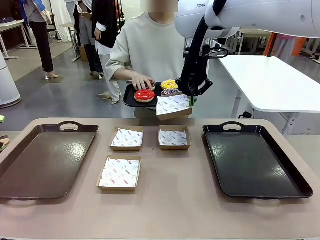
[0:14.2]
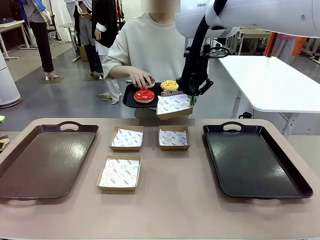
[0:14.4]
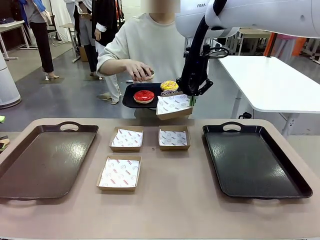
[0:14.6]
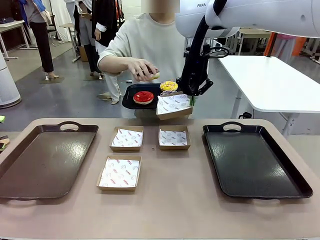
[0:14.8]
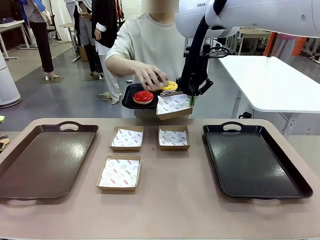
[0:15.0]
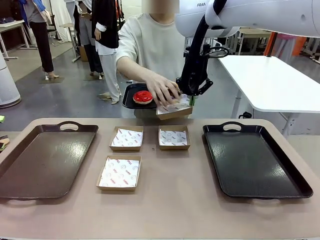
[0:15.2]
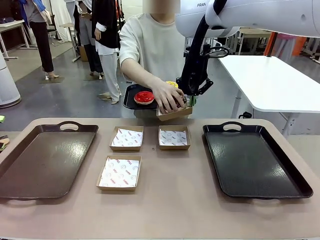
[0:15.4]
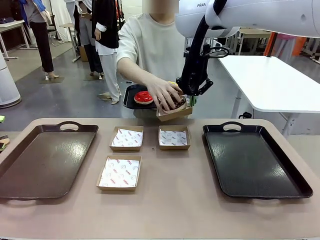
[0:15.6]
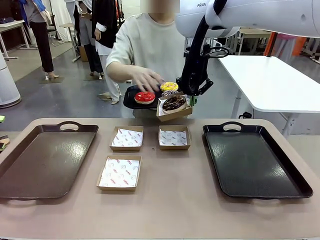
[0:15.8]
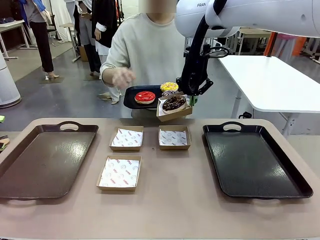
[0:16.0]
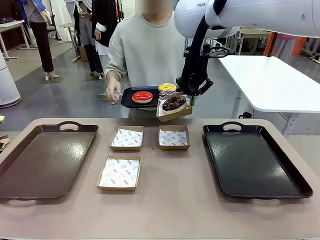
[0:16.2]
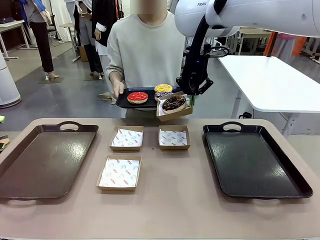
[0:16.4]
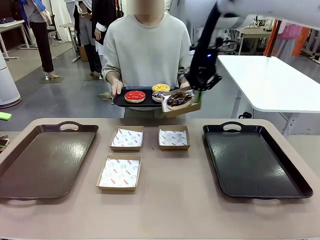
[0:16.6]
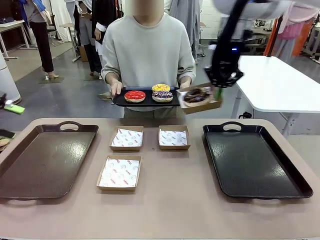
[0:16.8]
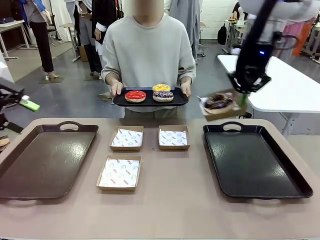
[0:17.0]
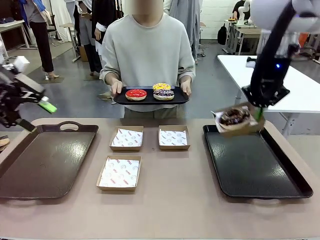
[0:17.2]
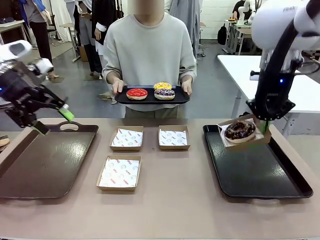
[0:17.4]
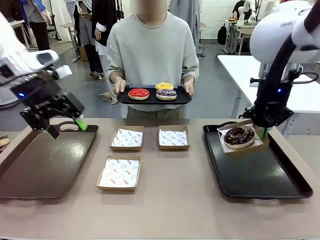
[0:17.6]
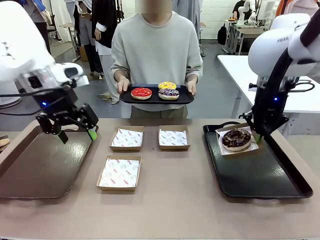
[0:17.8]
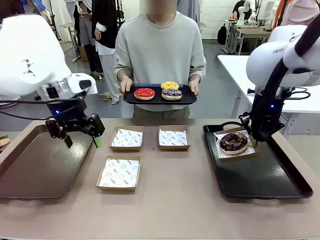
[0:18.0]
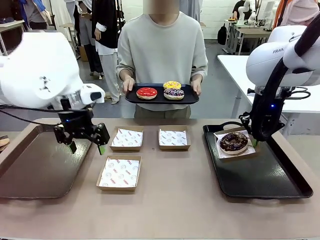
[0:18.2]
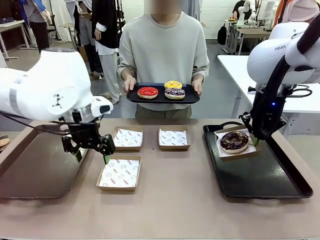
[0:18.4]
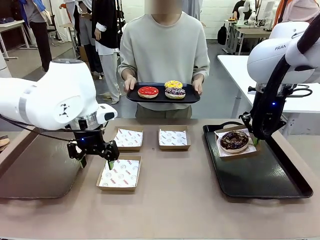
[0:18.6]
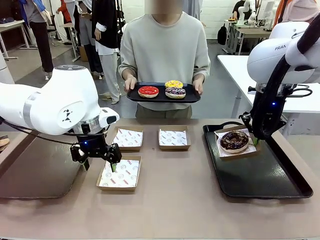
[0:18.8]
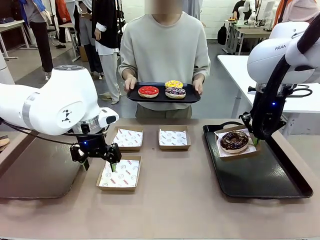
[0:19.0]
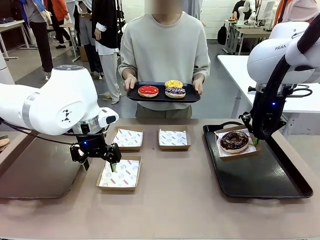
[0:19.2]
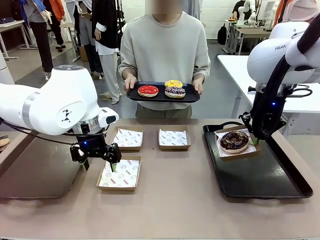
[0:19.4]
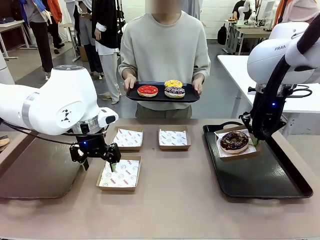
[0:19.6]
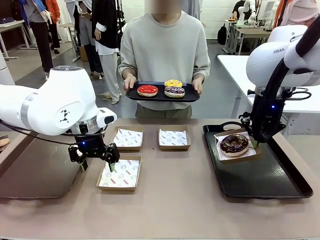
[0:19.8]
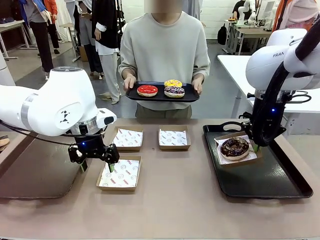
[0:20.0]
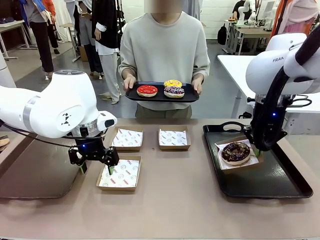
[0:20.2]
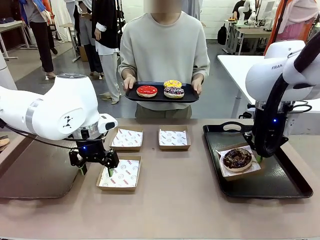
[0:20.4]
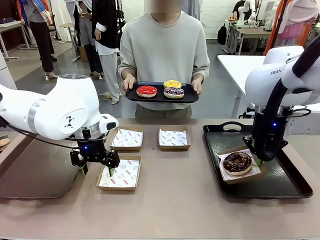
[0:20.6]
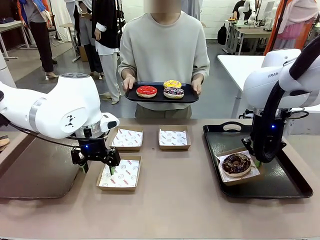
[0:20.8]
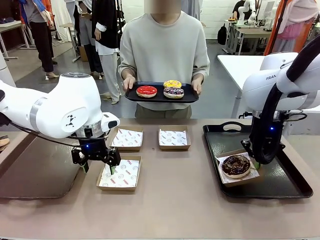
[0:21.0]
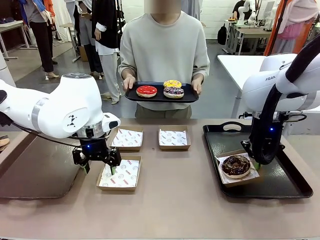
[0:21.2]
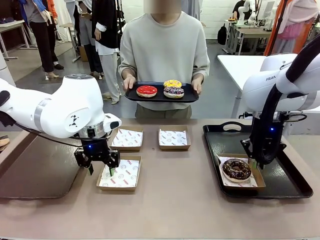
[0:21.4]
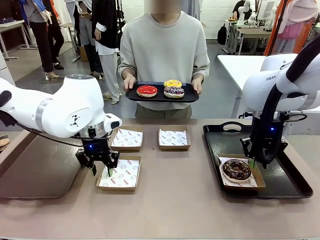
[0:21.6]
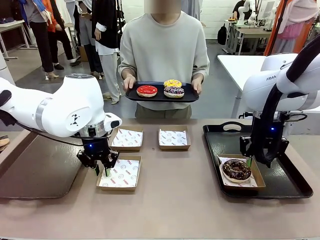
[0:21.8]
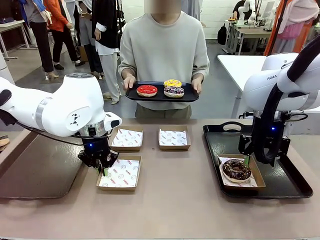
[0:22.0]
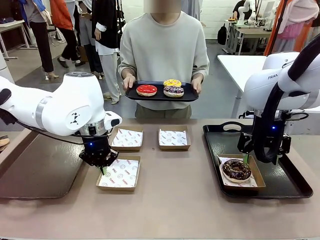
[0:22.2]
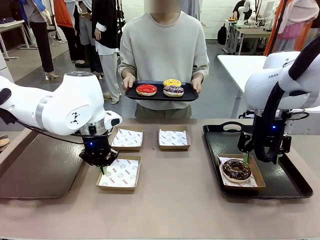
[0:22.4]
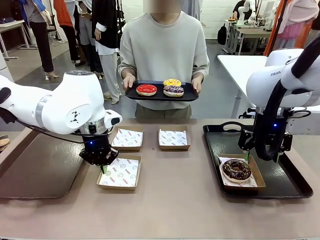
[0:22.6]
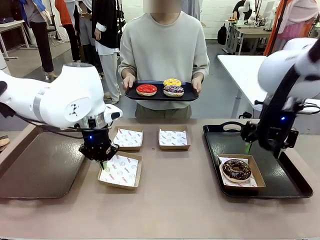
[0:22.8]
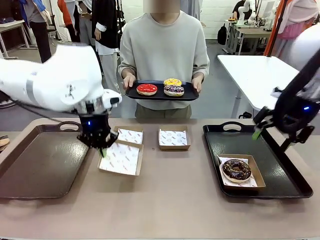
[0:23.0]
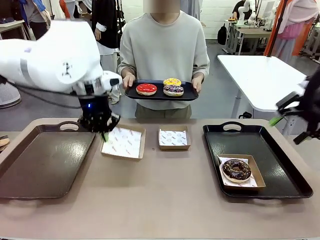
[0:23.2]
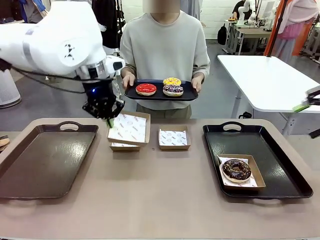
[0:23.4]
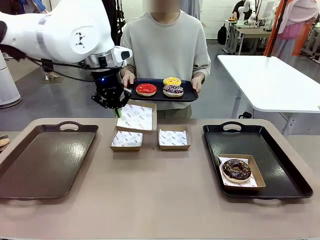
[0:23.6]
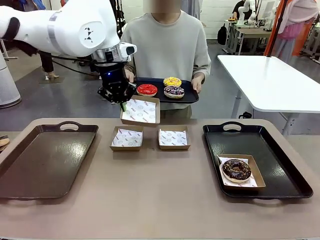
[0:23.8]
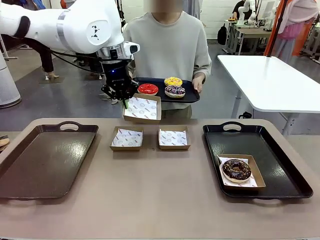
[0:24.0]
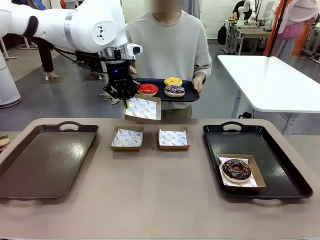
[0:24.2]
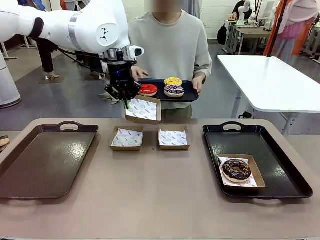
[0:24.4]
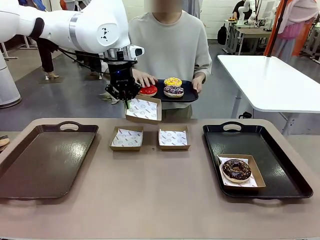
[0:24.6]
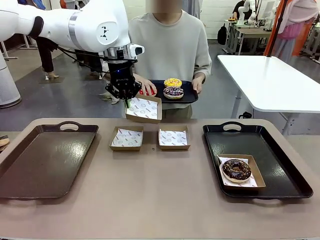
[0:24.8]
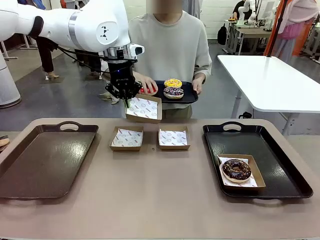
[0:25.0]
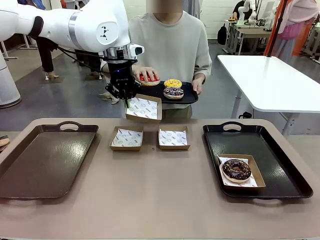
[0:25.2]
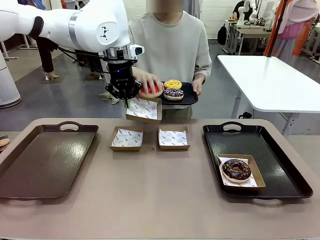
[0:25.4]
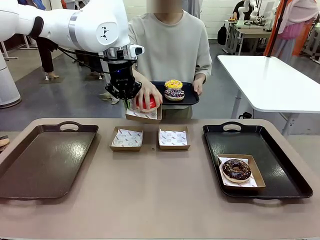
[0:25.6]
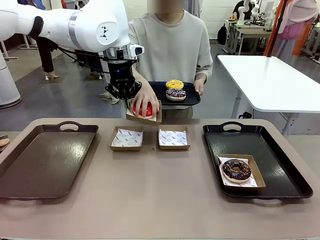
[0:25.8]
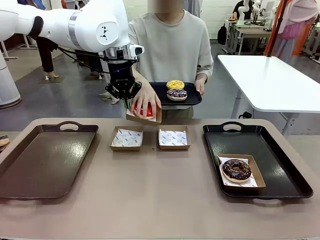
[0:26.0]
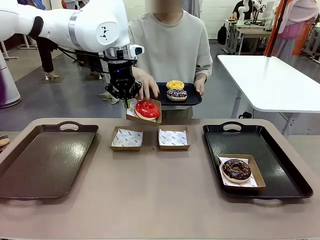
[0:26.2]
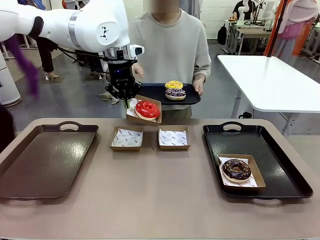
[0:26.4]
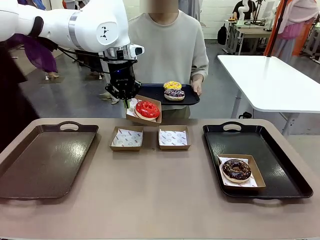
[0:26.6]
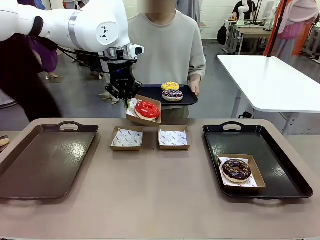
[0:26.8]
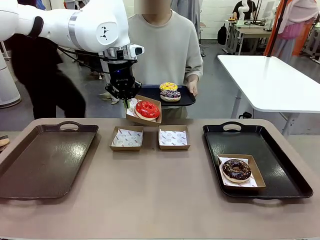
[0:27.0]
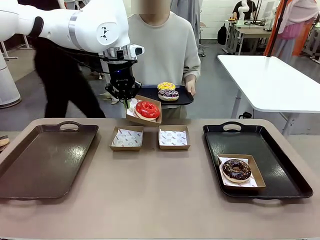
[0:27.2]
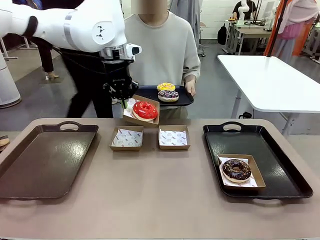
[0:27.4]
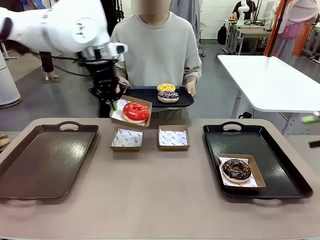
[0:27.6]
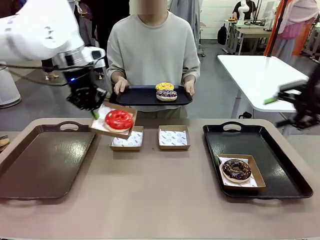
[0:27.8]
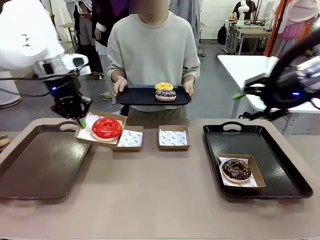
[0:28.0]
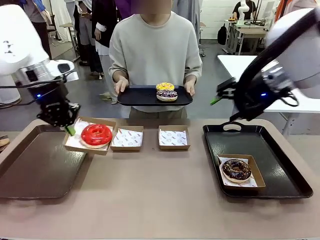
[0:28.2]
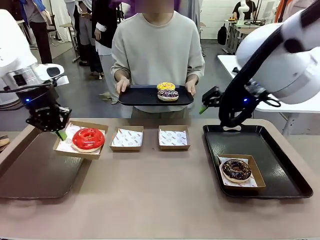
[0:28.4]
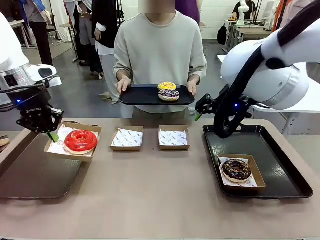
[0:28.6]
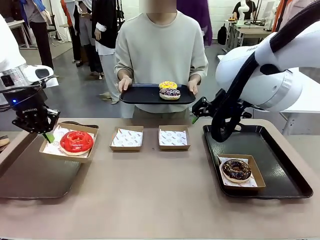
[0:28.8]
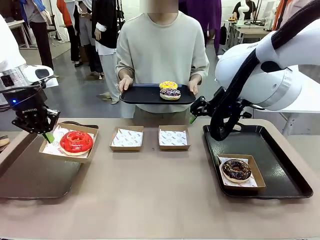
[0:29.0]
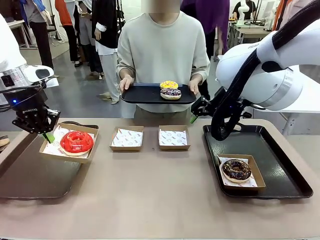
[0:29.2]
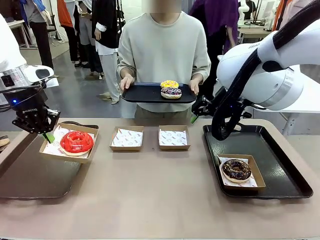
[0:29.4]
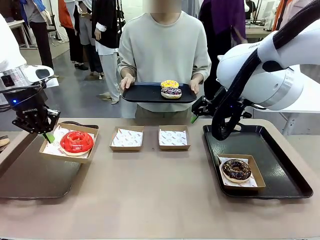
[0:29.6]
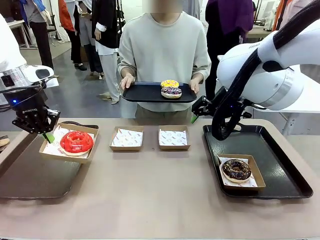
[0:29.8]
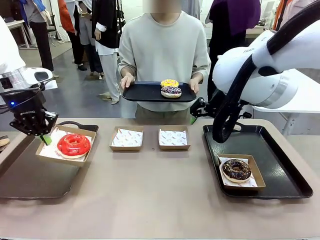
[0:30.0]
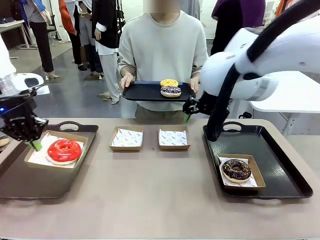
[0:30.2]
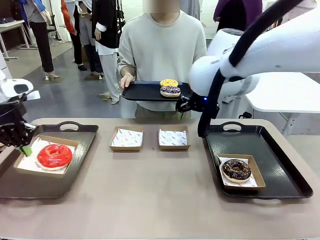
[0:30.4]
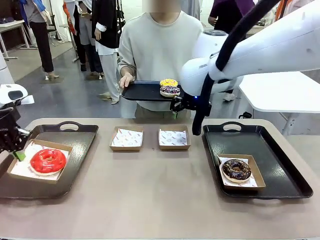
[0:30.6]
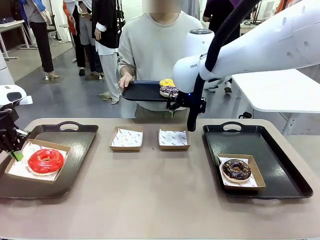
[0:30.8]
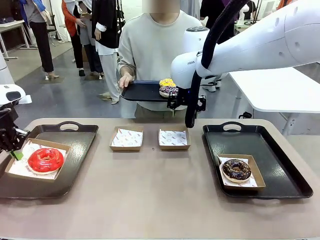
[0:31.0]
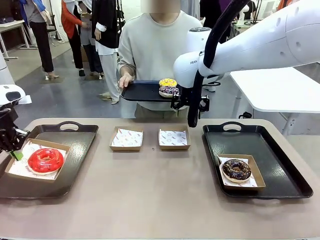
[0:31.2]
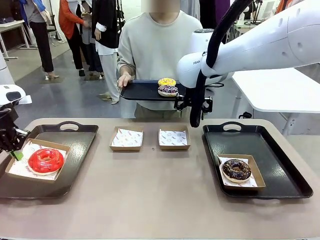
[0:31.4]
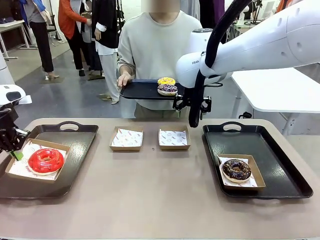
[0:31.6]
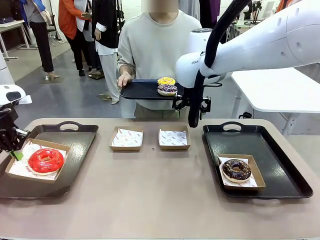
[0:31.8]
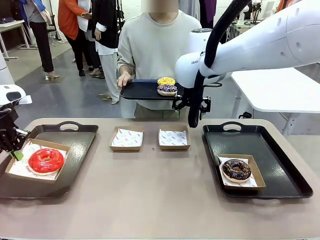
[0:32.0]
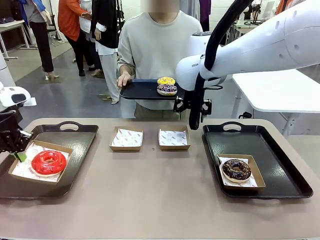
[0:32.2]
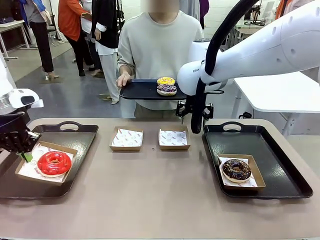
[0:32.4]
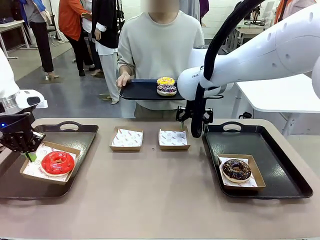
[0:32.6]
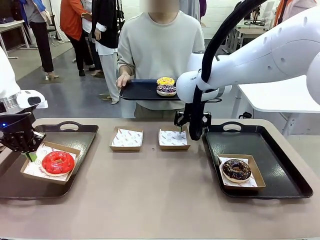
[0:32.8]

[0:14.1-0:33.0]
Task: Individually package the donuts and arrange them on the tray.
Robot: Place the picked Paper togo box on the Handle tray while simultaneously picking up another Paper togo box from the table with the other hand.
